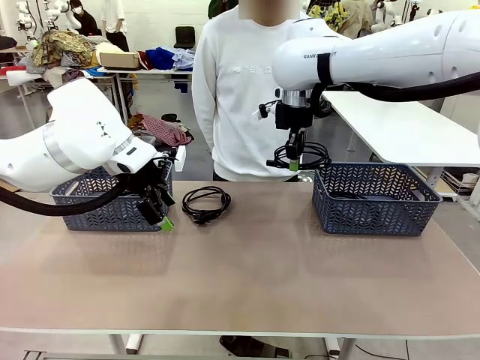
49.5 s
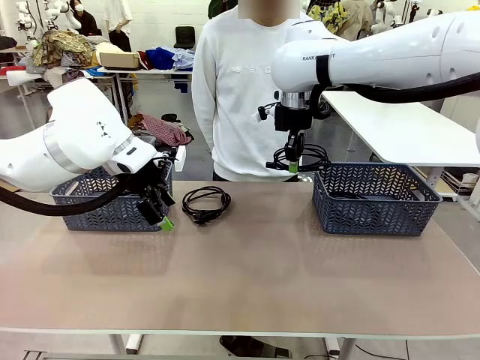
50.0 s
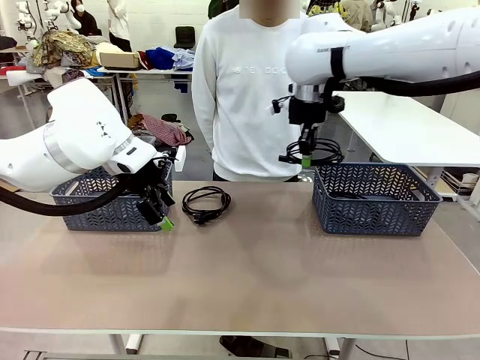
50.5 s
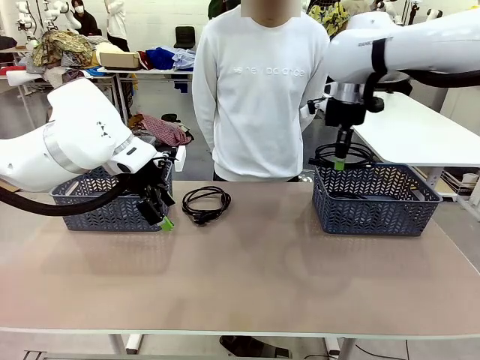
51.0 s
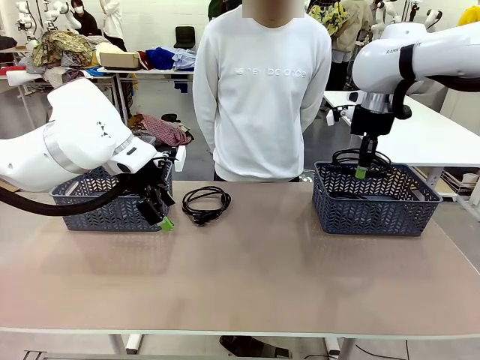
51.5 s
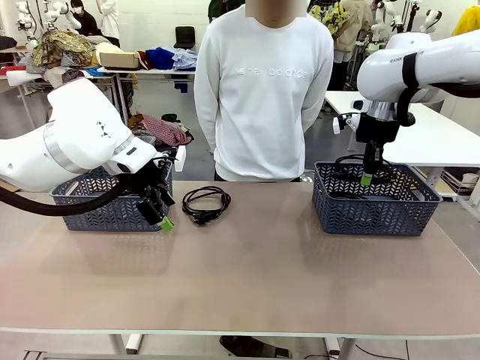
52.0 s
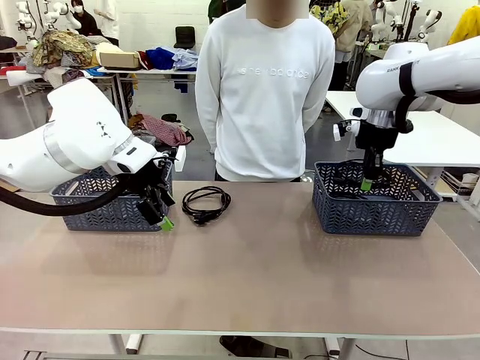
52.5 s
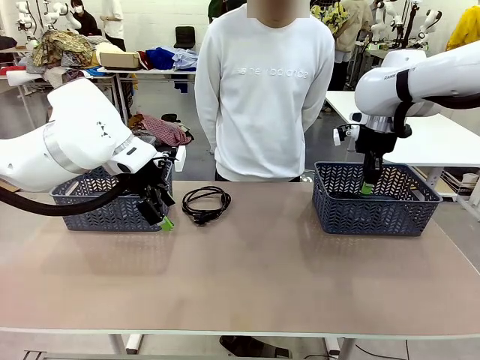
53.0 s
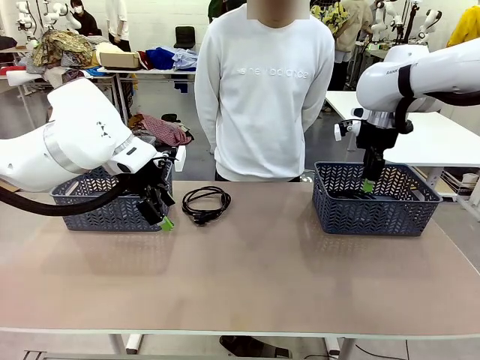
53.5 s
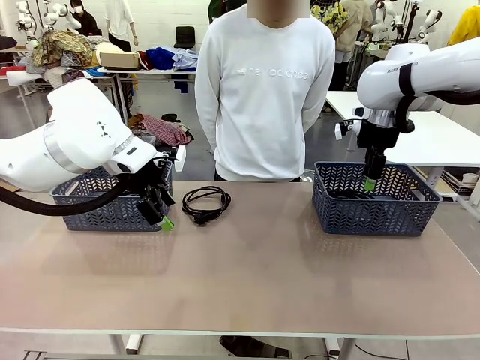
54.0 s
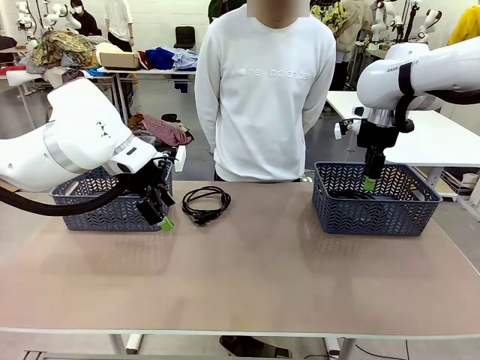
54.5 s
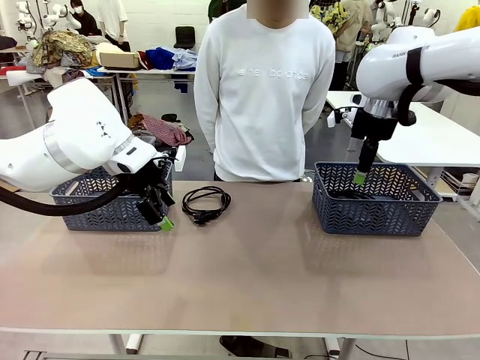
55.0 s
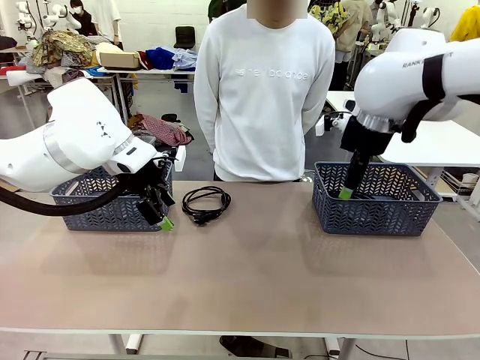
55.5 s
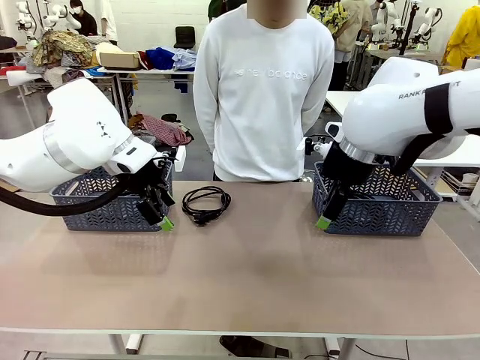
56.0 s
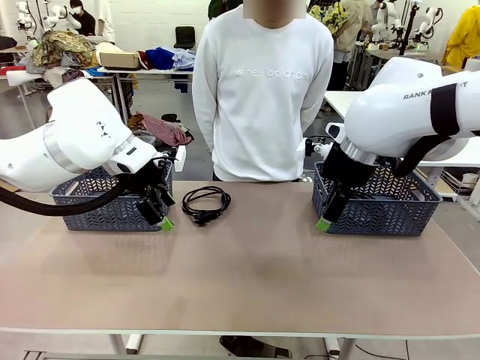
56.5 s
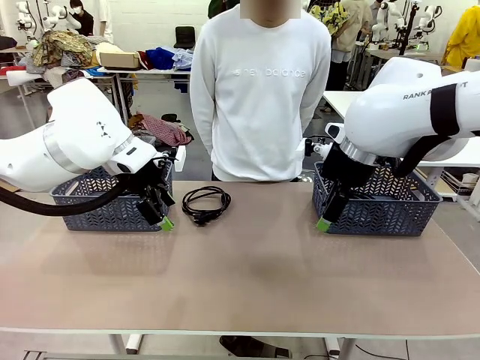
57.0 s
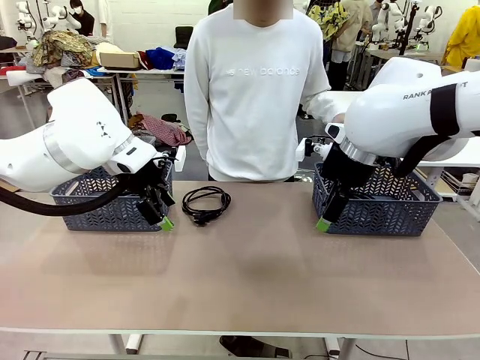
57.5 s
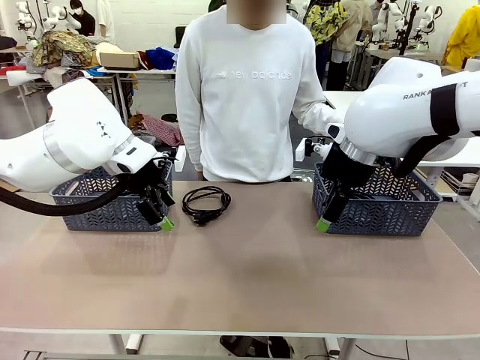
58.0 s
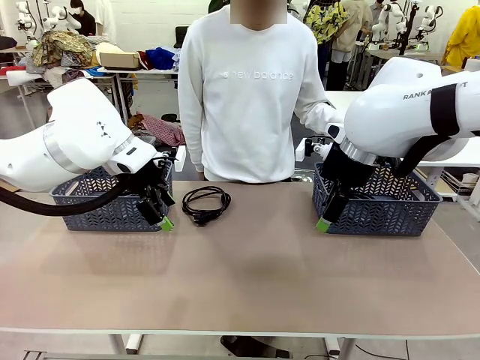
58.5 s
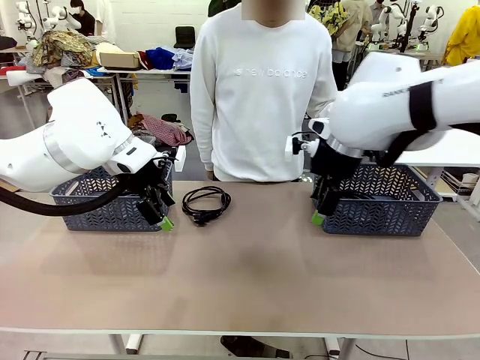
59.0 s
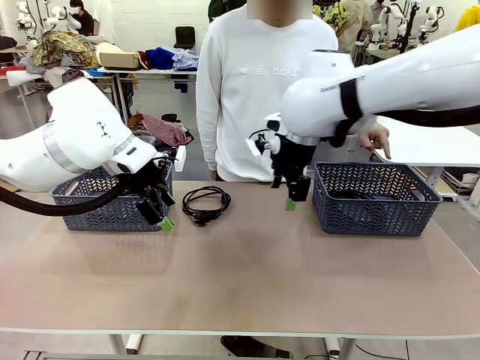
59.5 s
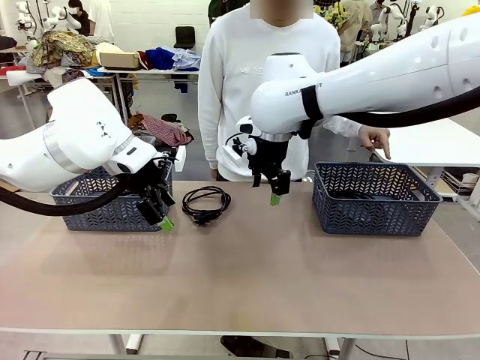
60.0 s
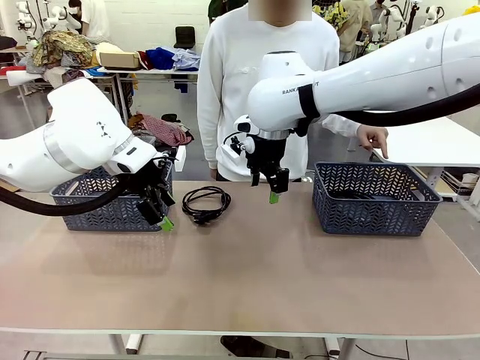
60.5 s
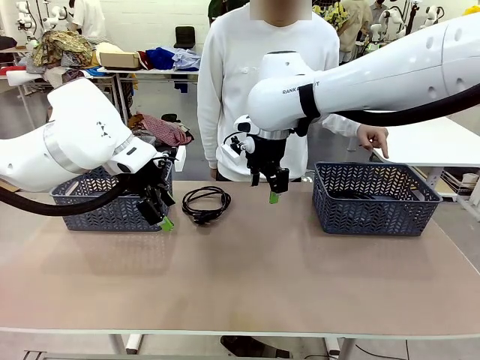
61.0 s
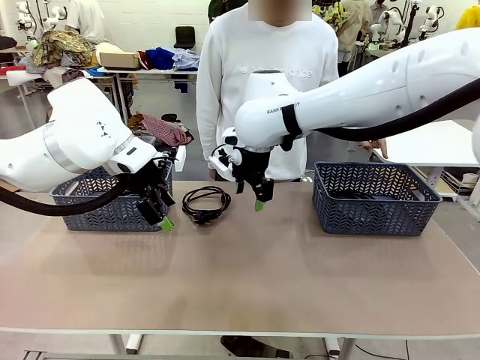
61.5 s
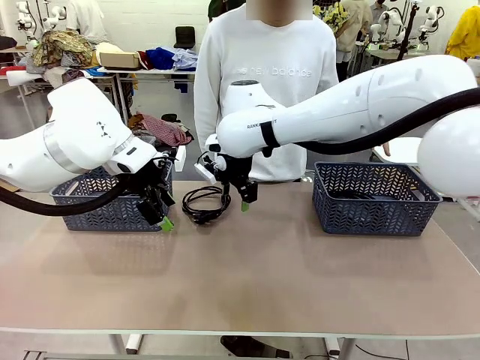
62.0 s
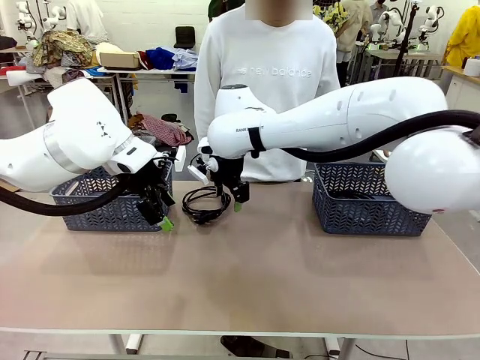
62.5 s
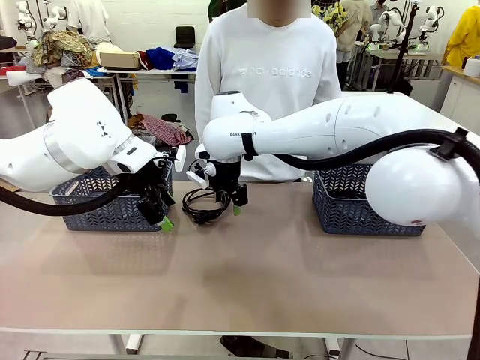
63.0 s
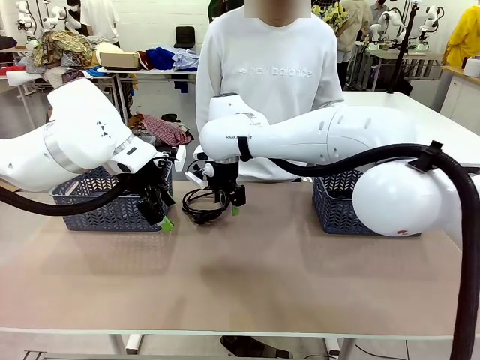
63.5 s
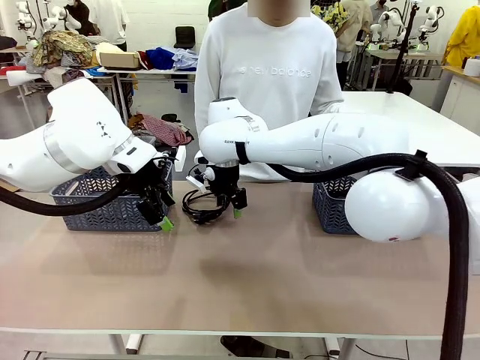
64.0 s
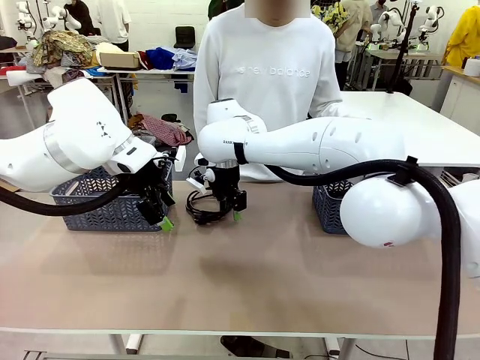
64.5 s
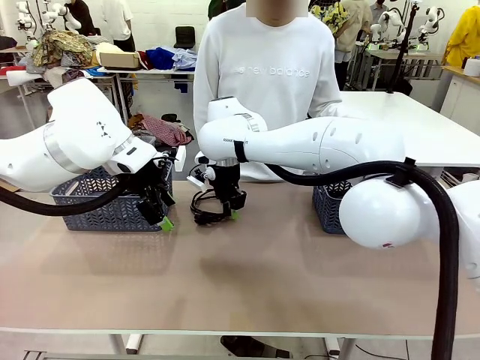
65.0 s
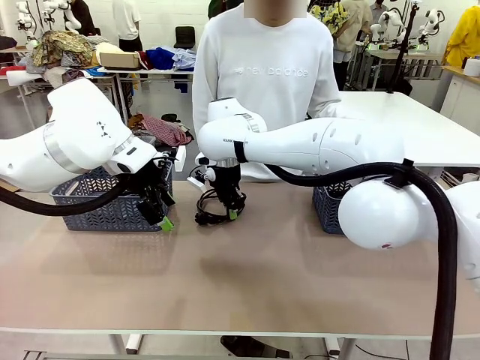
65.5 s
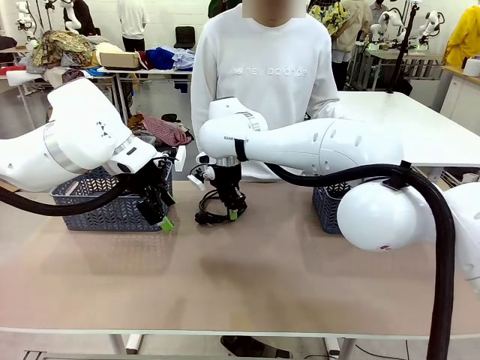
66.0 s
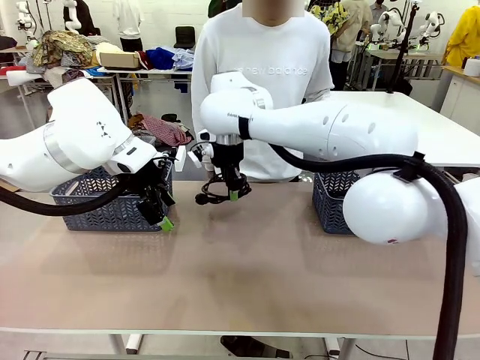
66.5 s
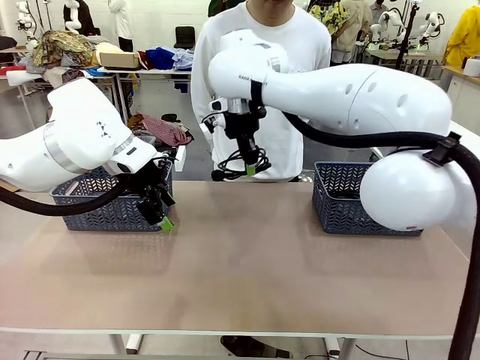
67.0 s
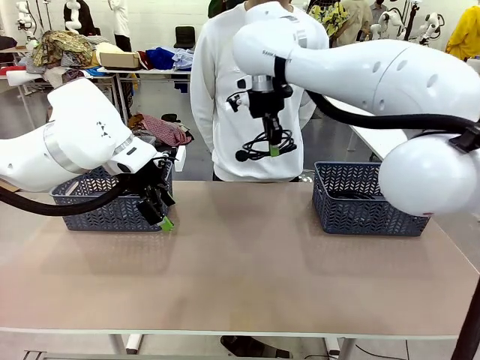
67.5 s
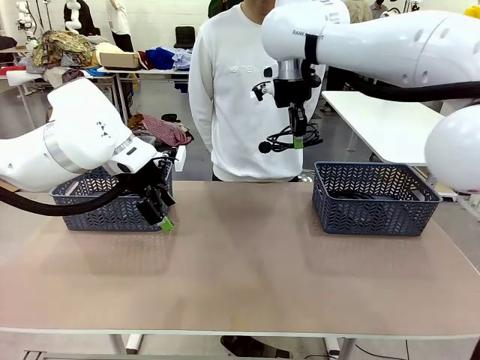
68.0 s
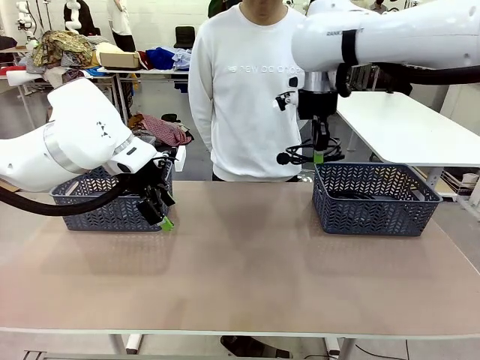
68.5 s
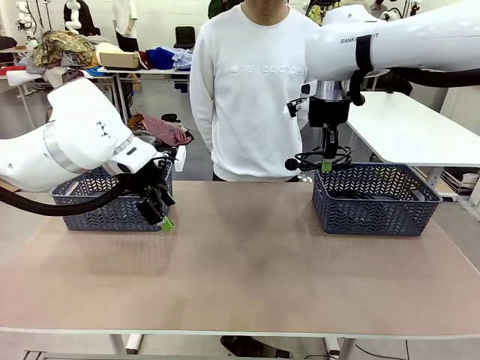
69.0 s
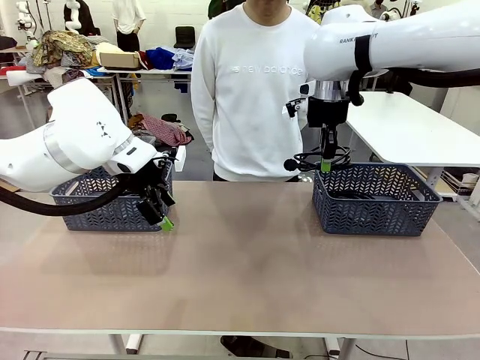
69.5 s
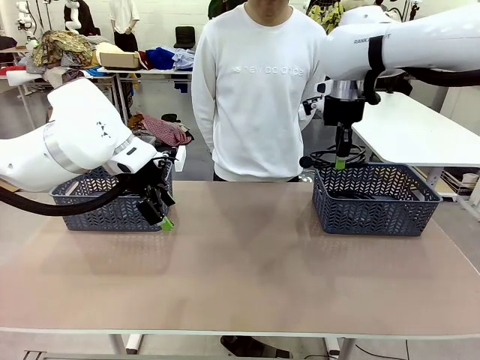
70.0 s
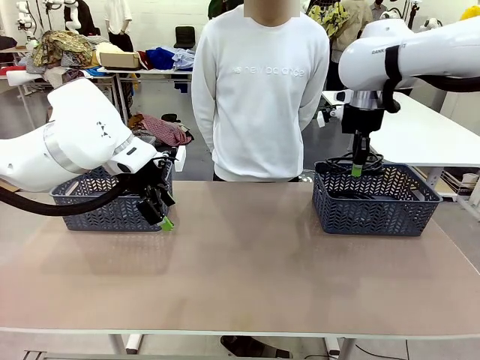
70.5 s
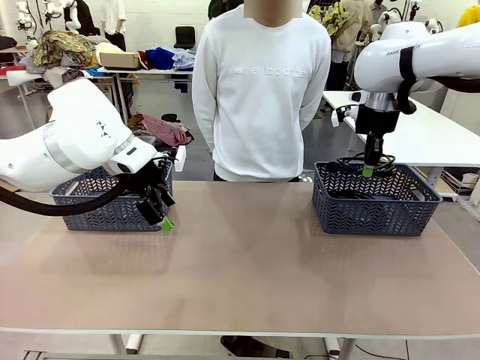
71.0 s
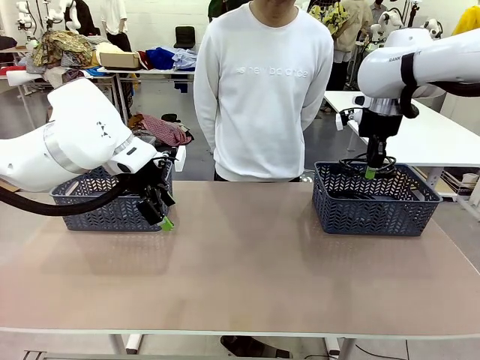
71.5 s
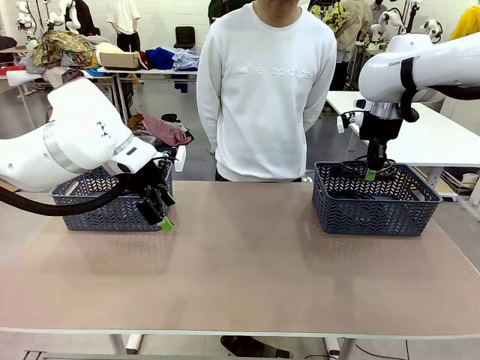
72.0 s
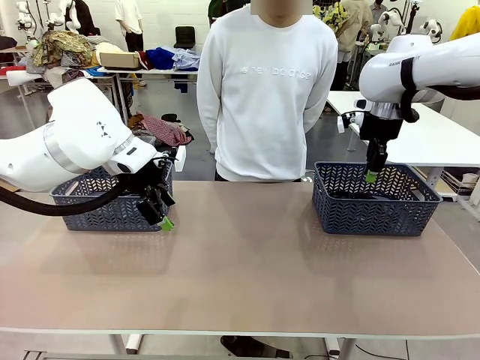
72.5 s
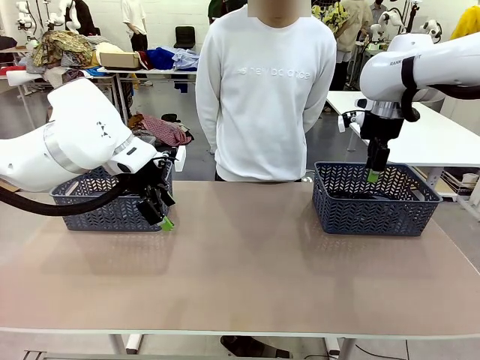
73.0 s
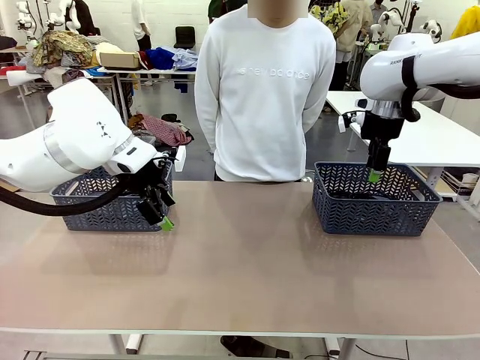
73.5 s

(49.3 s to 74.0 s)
Task: Organize the cables according to human instructions.
Robot: Pick up a bundle of cables and place it in the basket indicated by the human.
